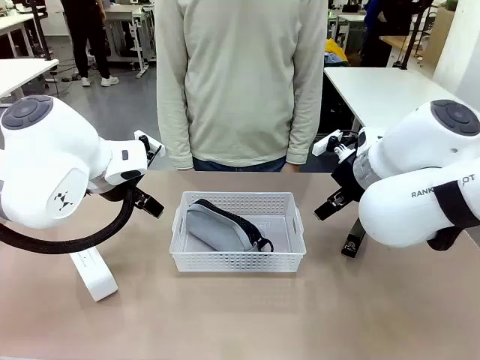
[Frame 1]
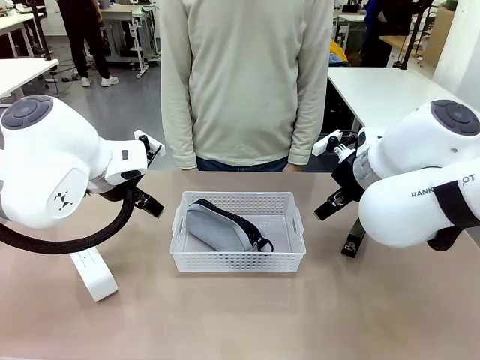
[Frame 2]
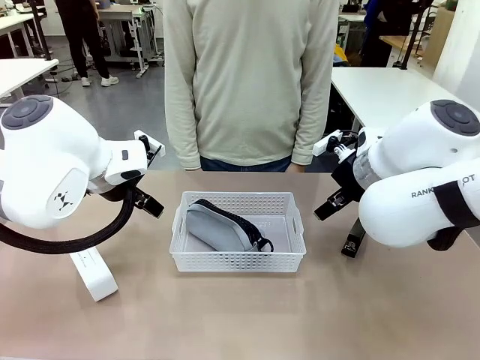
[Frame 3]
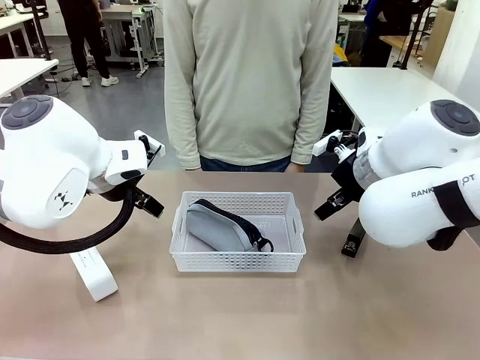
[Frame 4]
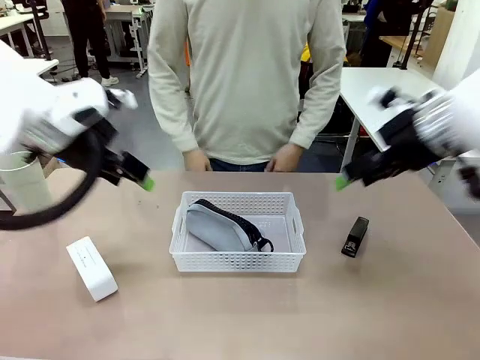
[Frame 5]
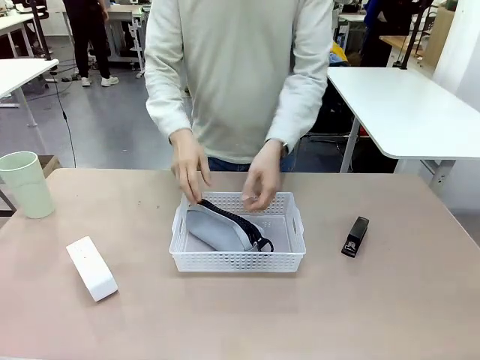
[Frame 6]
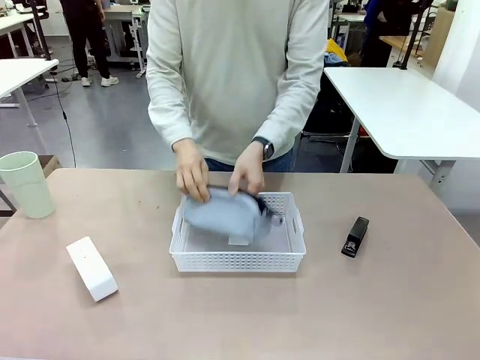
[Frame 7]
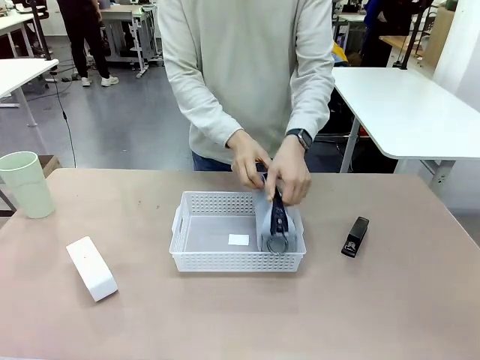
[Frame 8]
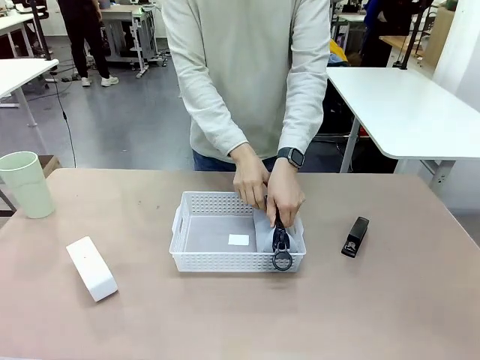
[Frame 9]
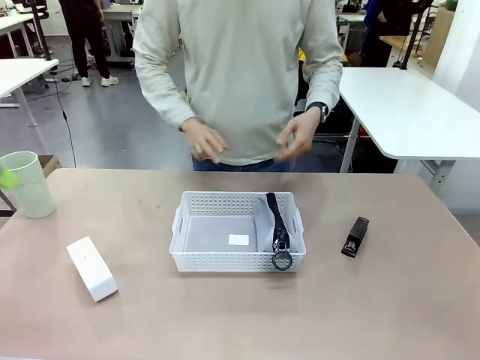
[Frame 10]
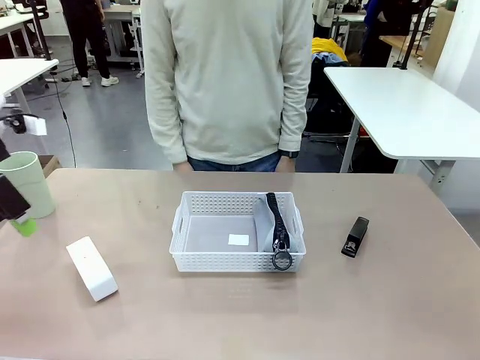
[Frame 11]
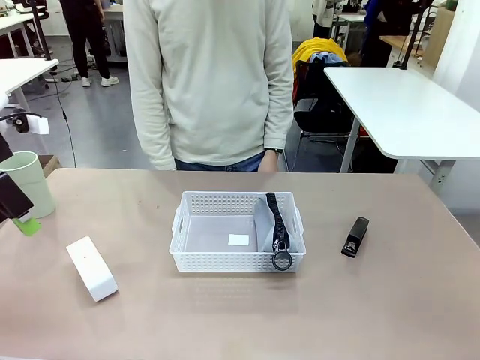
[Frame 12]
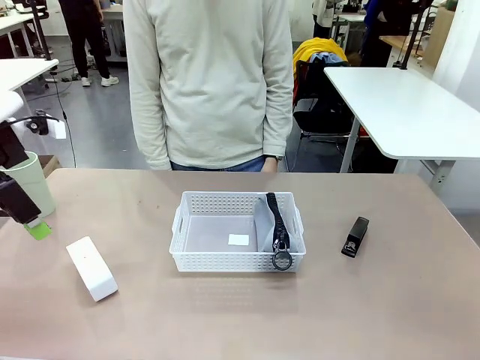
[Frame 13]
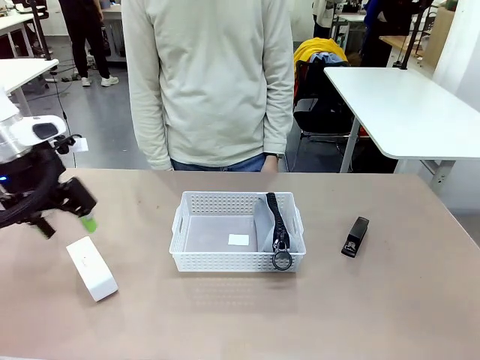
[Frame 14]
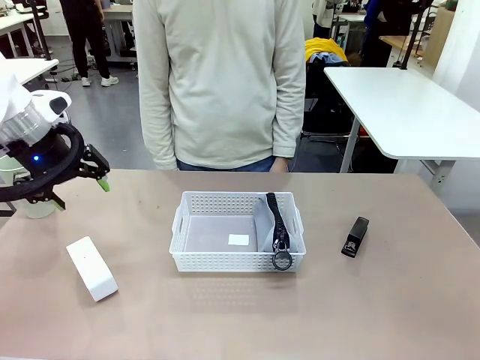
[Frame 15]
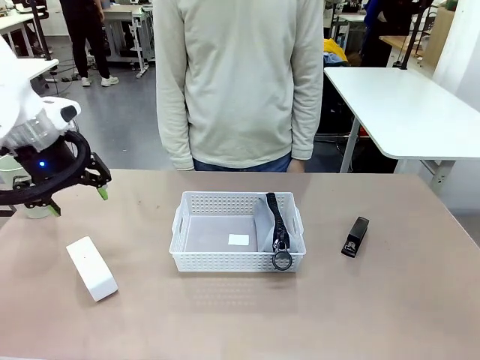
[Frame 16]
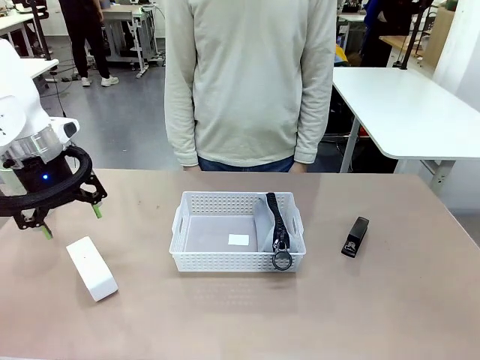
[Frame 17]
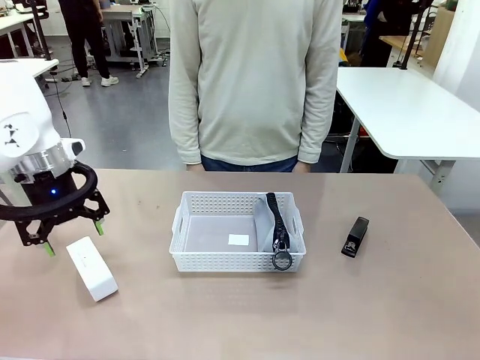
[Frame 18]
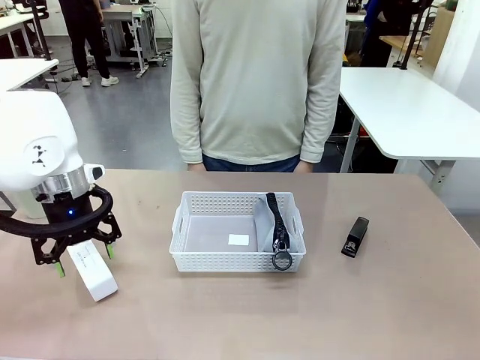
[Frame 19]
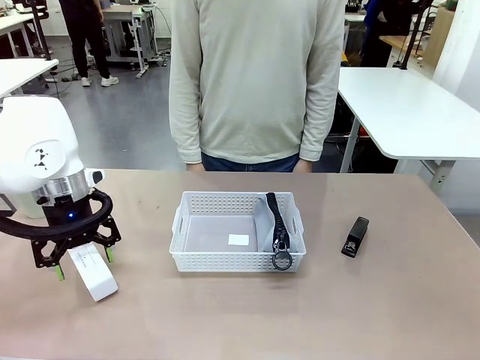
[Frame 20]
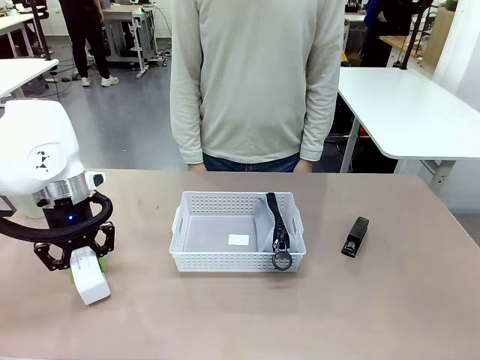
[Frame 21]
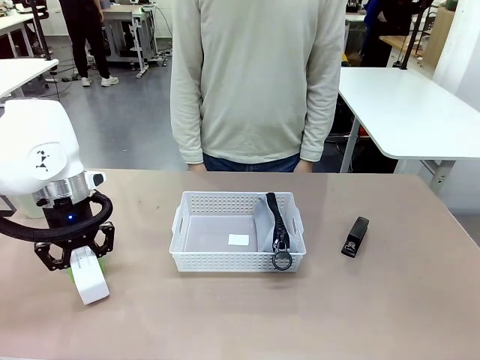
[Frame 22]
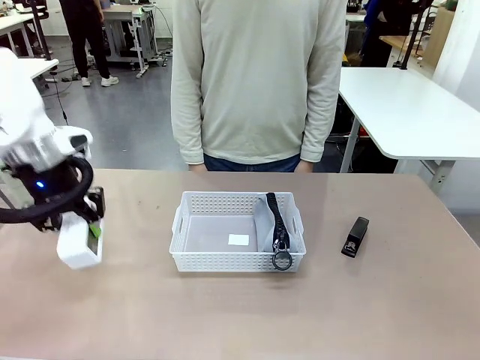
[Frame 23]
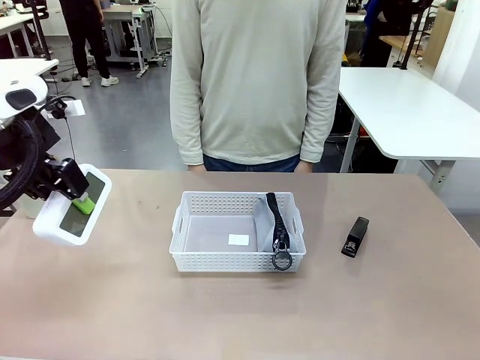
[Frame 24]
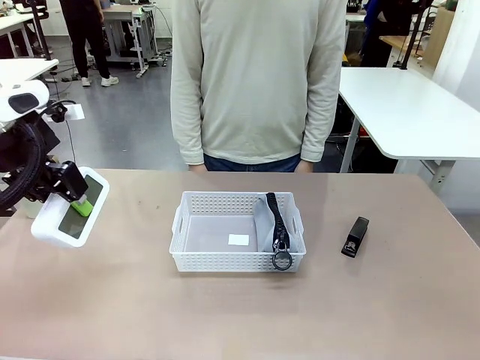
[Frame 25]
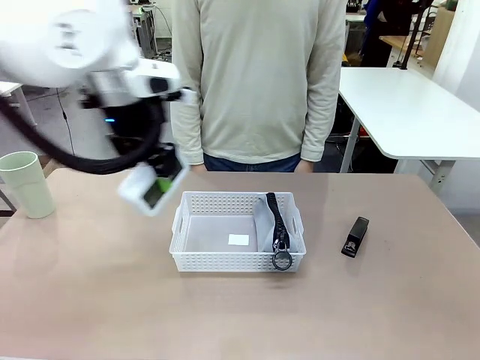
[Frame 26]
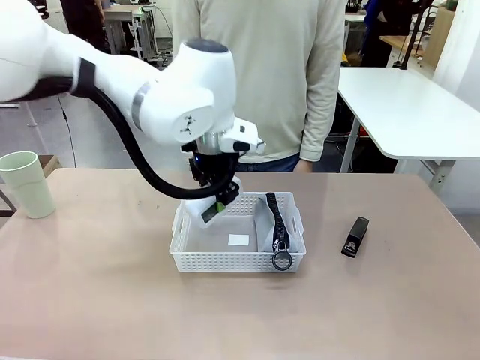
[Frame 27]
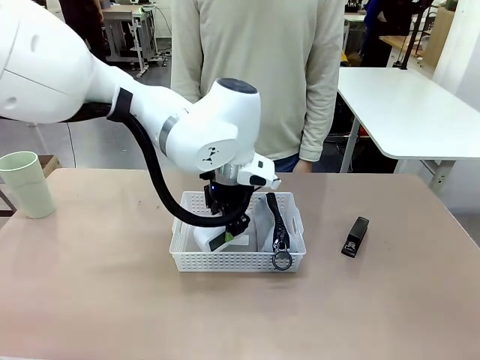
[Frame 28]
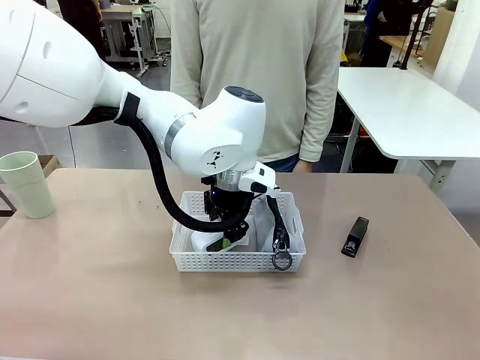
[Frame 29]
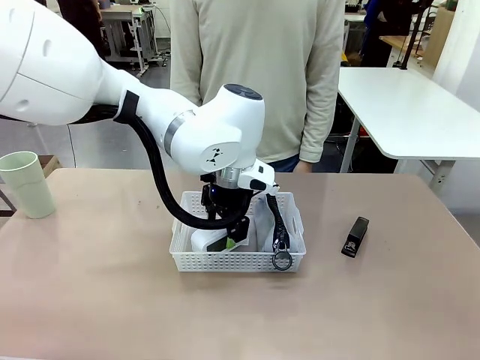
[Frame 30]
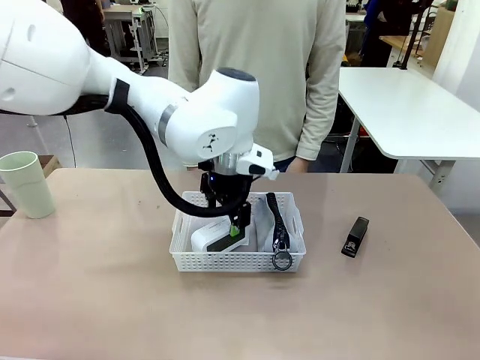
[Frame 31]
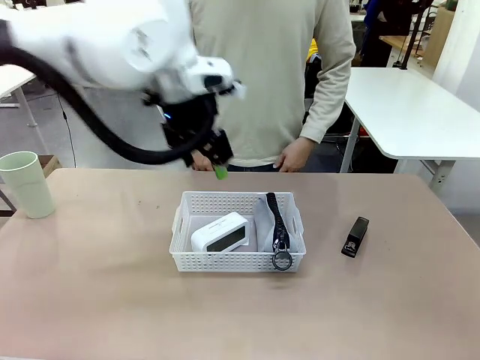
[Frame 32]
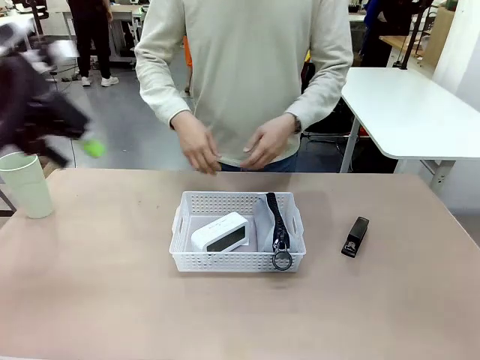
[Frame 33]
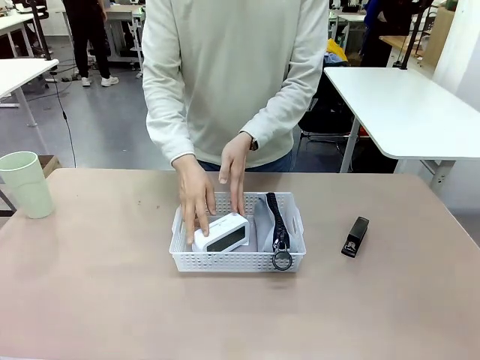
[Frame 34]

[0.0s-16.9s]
Task: Efficiently arrange items inside the basket to fit them all.
Robot: Pick up the Digital clock and place it inside the Organizing basket.
Person: Repositions the pencil case. Repositions the digital clock.

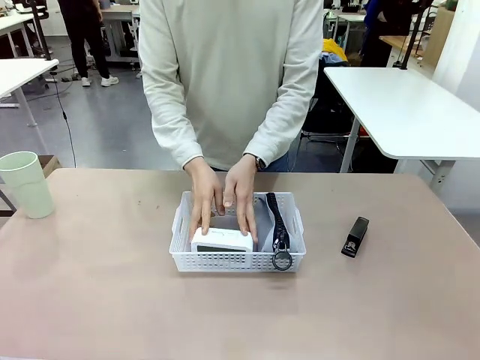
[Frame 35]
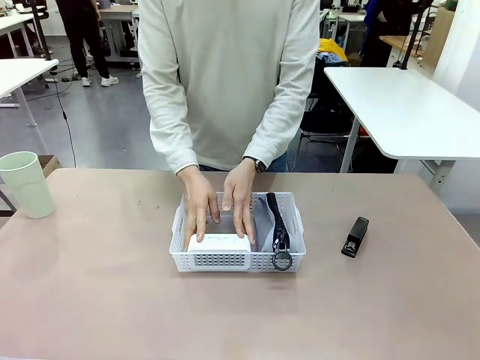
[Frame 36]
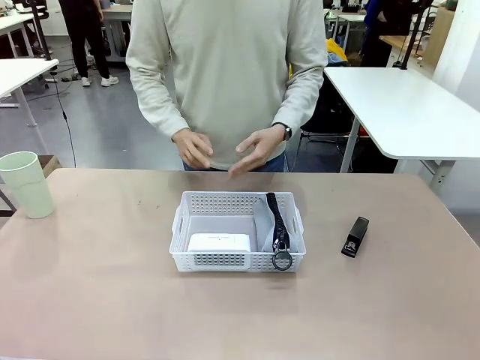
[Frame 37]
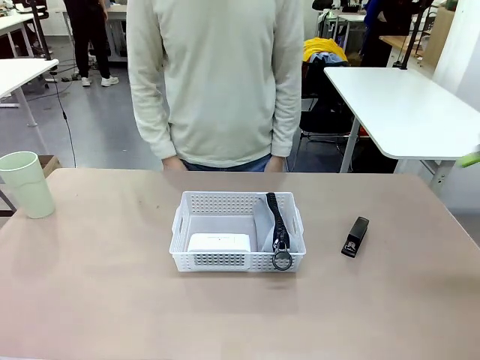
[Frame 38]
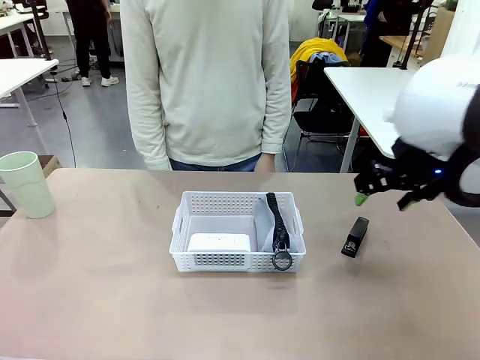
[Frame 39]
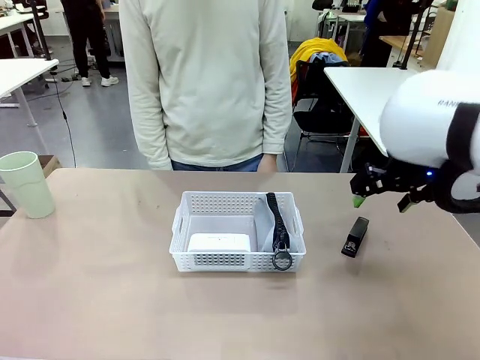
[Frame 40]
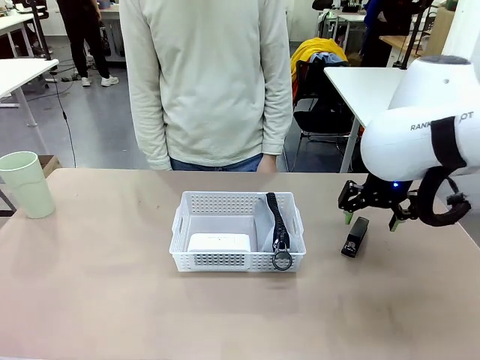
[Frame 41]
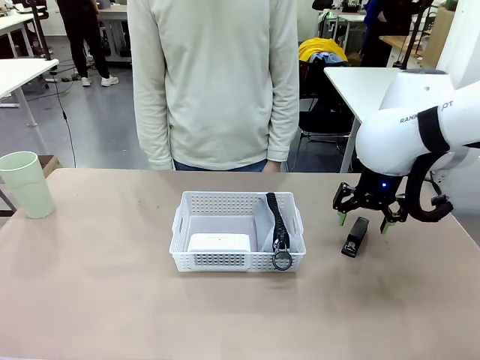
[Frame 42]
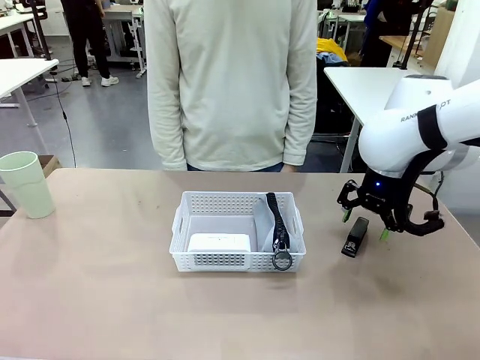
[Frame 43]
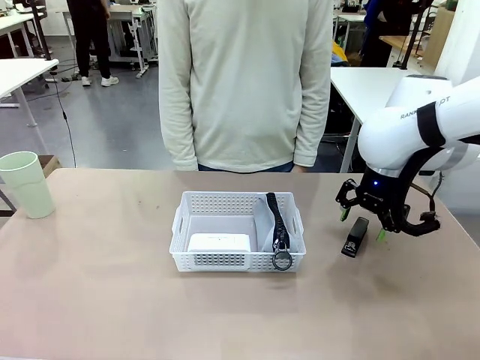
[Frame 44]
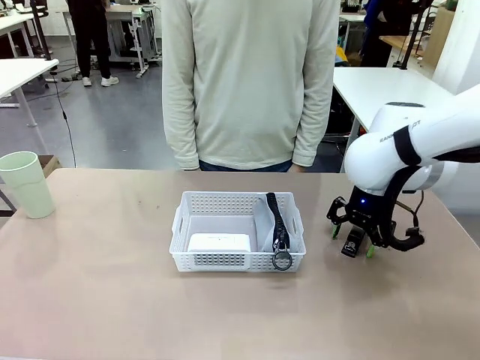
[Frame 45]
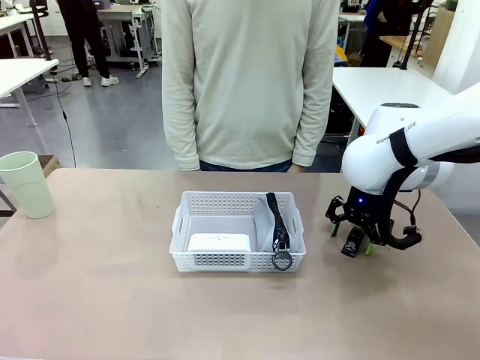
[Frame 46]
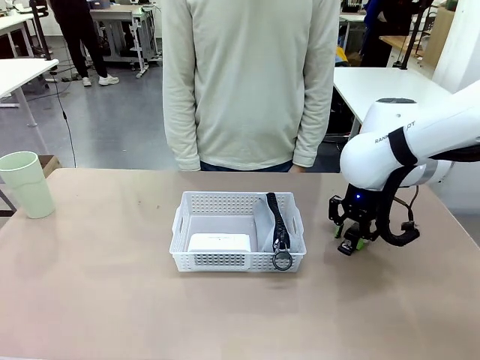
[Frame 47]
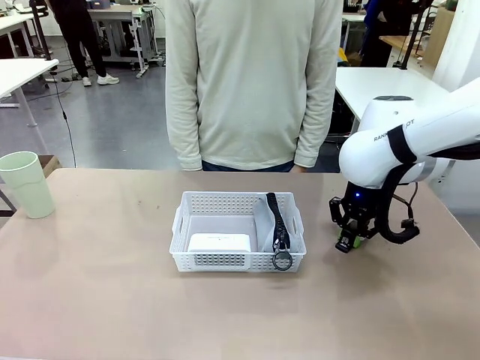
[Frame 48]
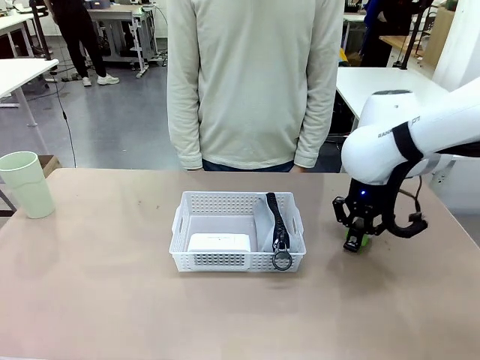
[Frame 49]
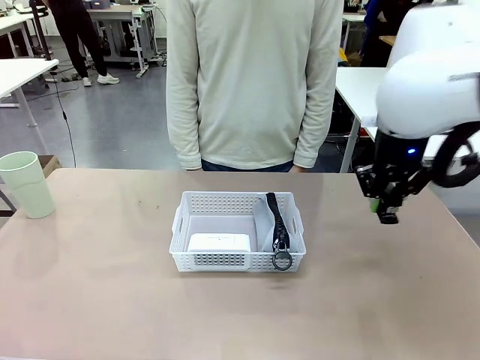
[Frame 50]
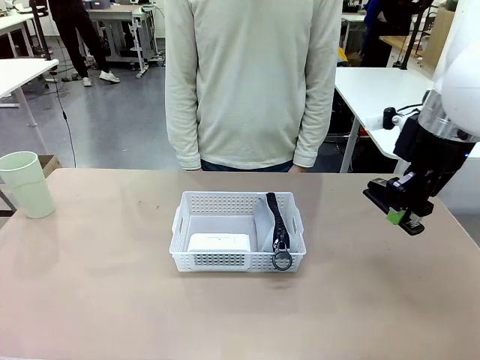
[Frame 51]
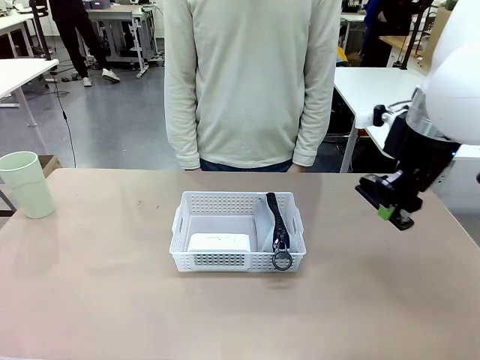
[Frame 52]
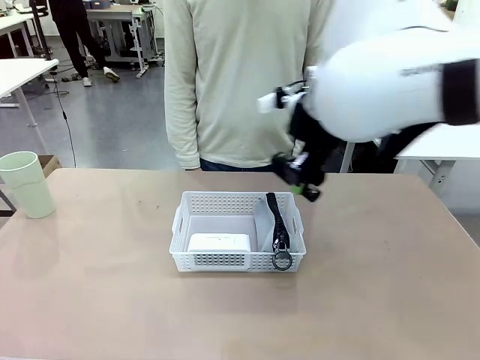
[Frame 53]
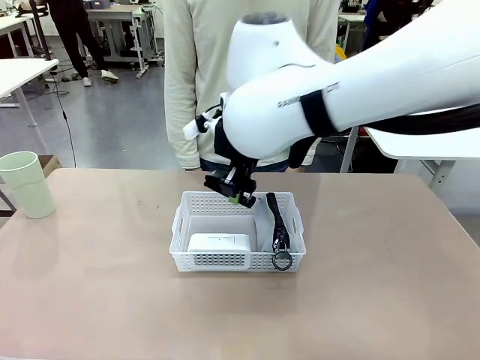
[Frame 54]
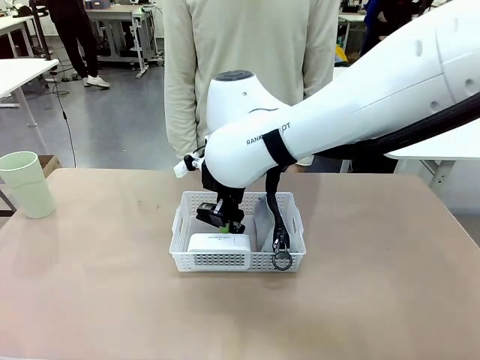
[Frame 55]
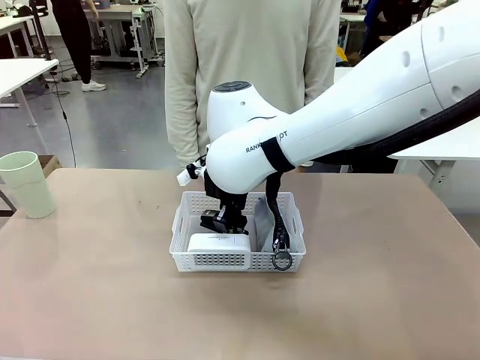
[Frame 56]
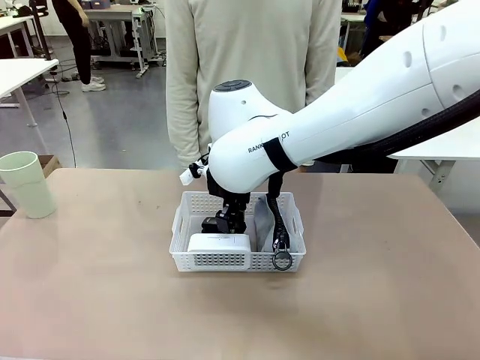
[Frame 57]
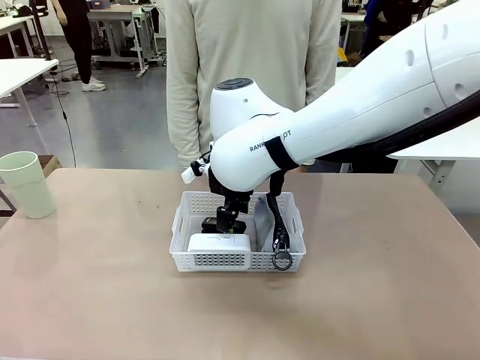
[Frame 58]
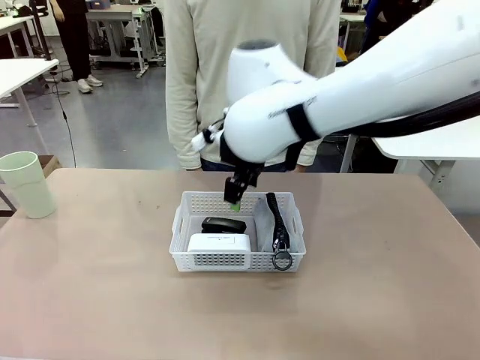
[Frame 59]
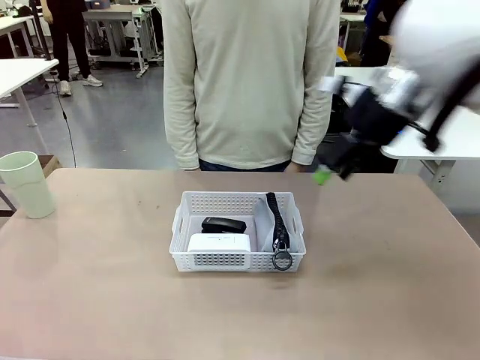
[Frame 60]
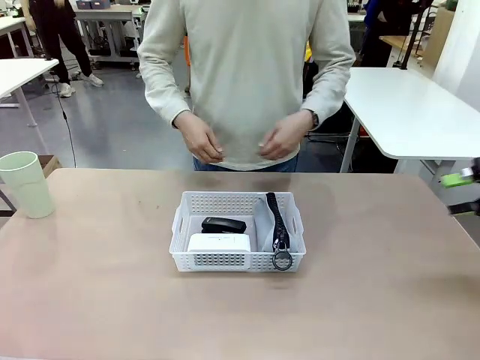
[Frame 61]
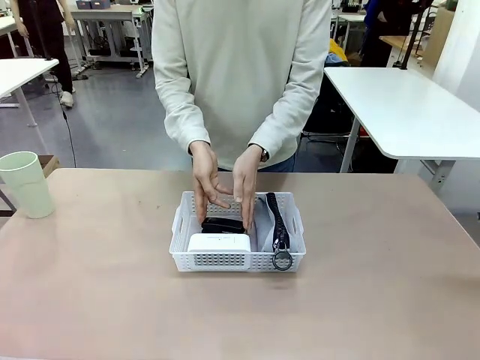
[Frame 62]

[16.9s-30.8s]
Robot: Pick up the Stapler and place it inside the Organizing basket.
